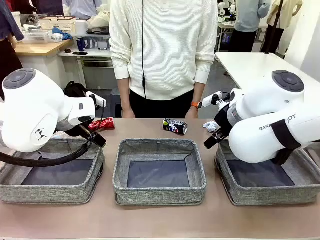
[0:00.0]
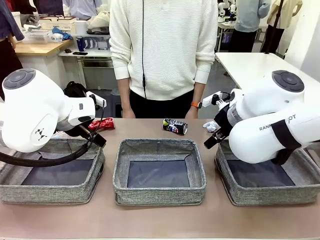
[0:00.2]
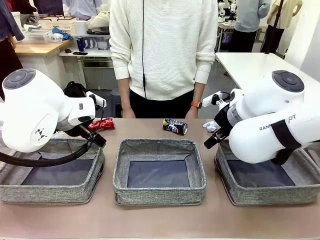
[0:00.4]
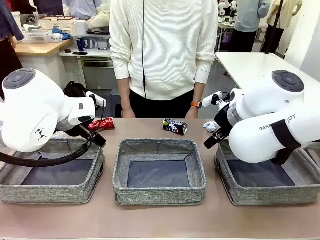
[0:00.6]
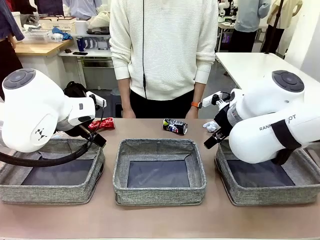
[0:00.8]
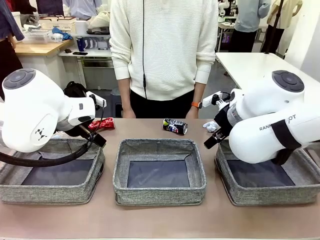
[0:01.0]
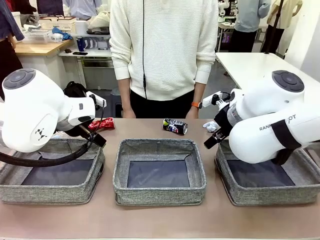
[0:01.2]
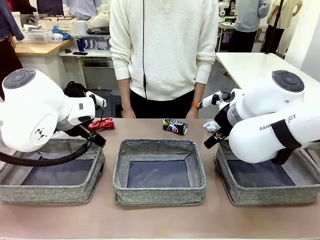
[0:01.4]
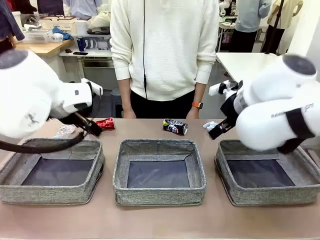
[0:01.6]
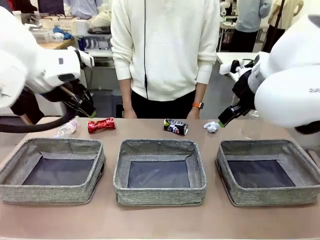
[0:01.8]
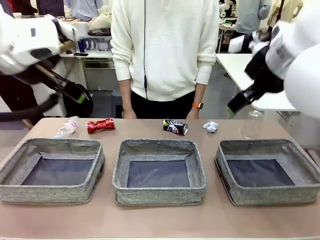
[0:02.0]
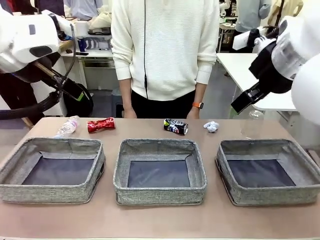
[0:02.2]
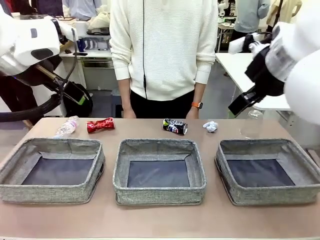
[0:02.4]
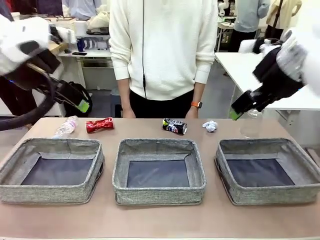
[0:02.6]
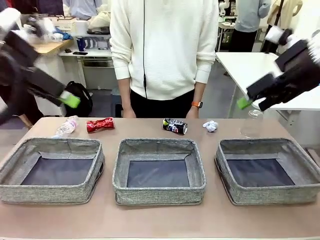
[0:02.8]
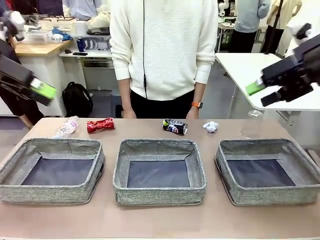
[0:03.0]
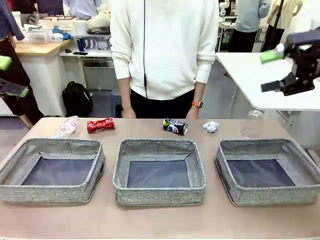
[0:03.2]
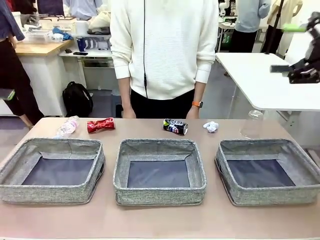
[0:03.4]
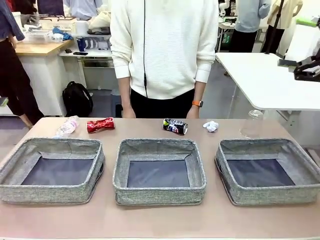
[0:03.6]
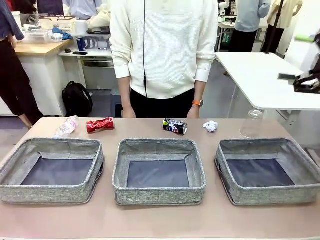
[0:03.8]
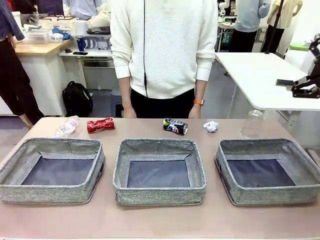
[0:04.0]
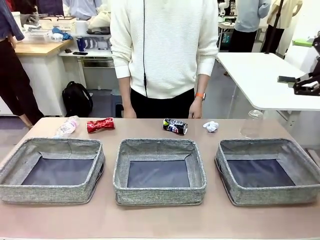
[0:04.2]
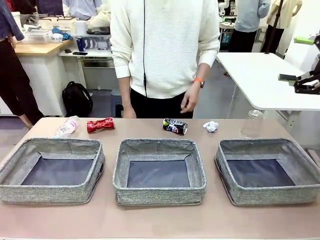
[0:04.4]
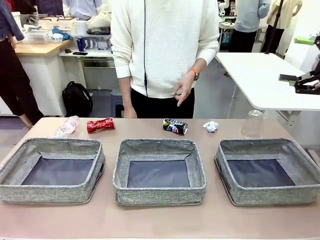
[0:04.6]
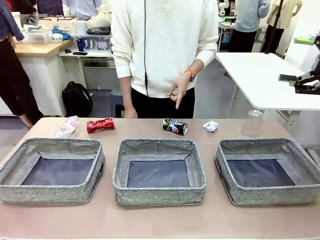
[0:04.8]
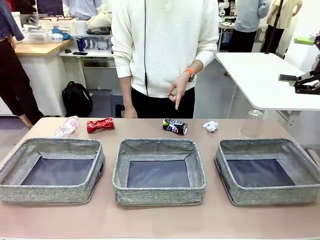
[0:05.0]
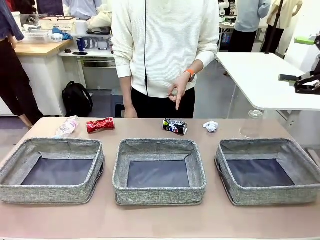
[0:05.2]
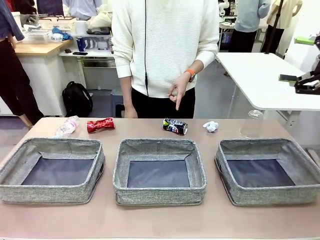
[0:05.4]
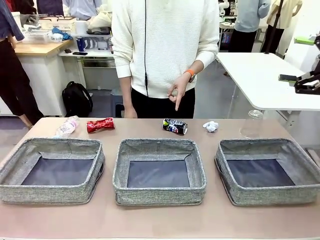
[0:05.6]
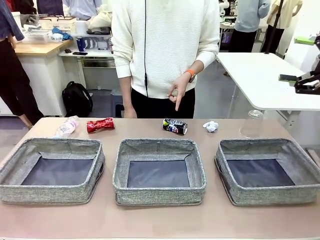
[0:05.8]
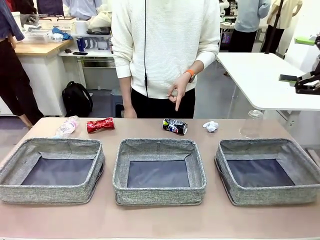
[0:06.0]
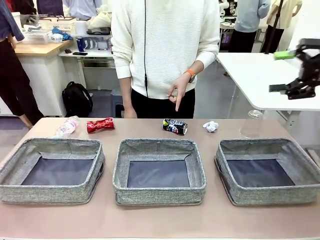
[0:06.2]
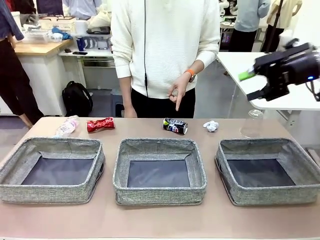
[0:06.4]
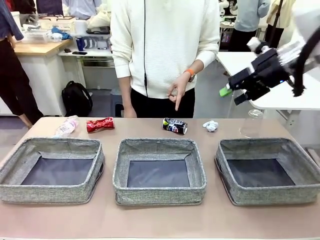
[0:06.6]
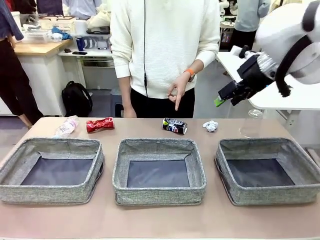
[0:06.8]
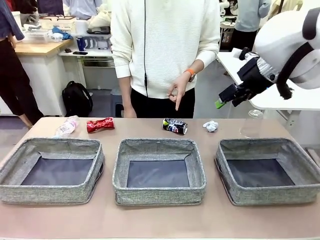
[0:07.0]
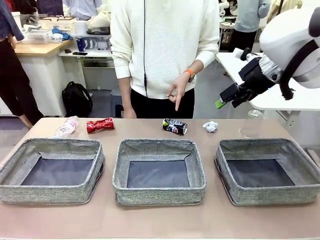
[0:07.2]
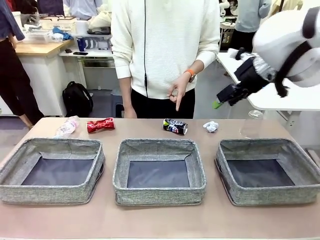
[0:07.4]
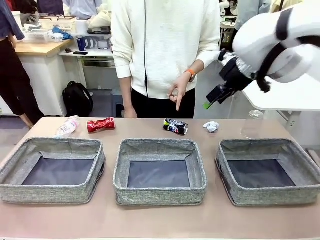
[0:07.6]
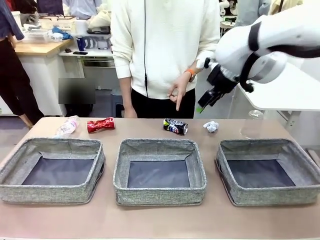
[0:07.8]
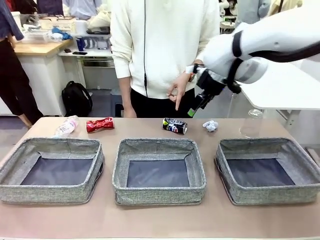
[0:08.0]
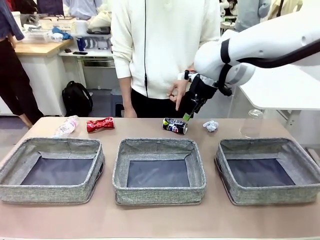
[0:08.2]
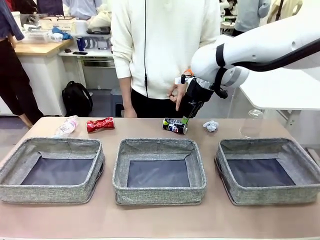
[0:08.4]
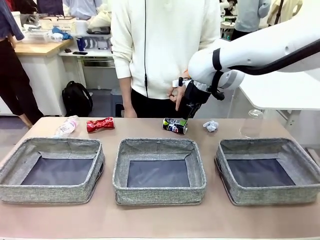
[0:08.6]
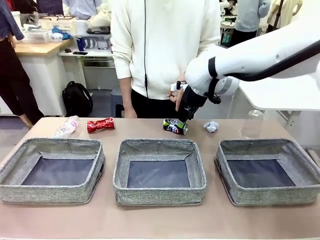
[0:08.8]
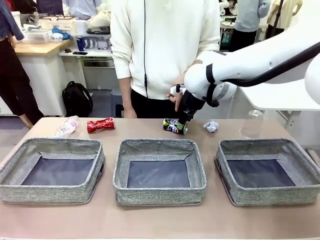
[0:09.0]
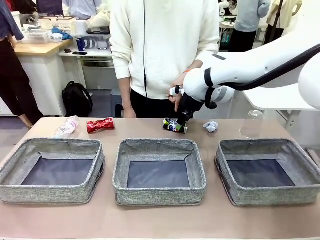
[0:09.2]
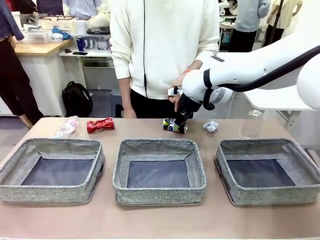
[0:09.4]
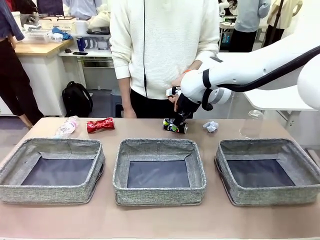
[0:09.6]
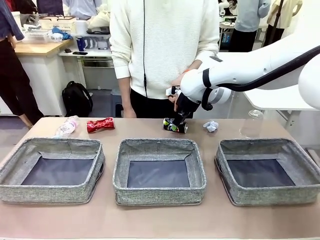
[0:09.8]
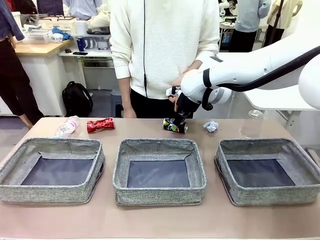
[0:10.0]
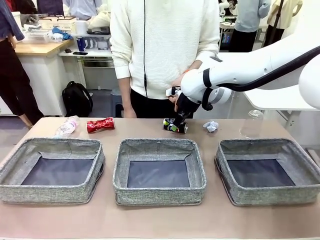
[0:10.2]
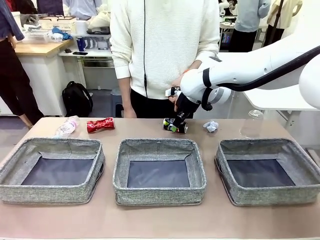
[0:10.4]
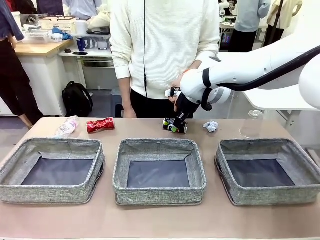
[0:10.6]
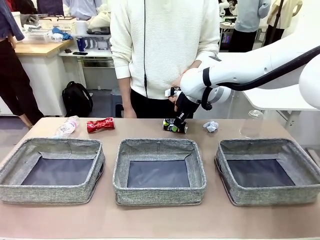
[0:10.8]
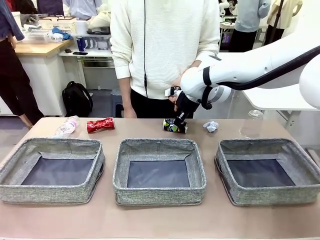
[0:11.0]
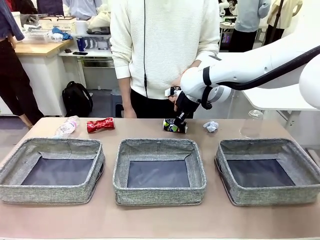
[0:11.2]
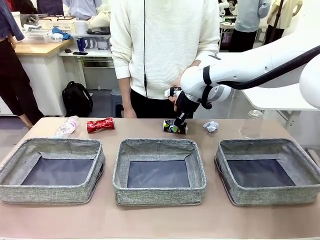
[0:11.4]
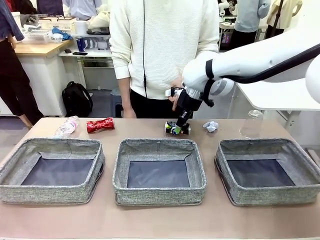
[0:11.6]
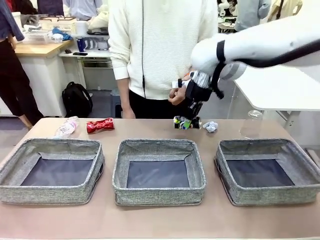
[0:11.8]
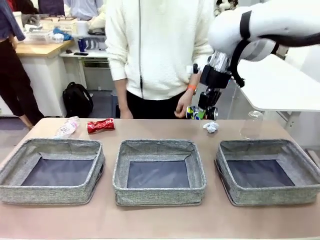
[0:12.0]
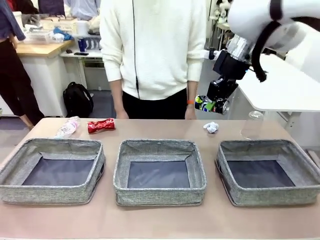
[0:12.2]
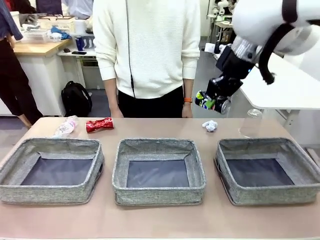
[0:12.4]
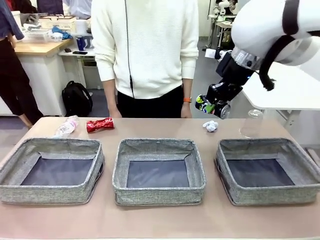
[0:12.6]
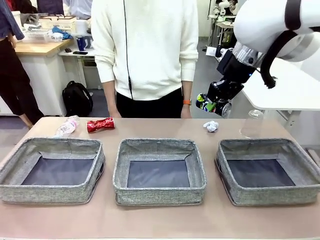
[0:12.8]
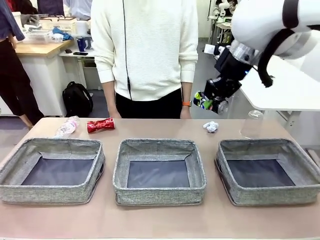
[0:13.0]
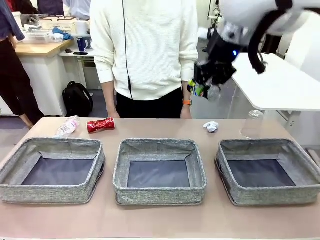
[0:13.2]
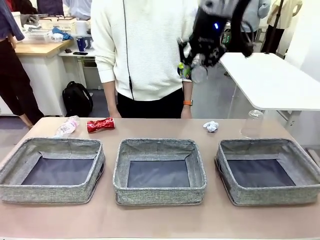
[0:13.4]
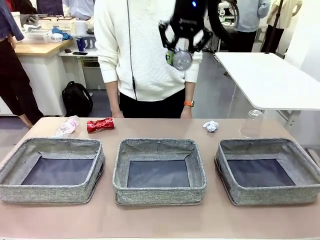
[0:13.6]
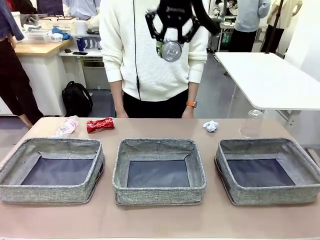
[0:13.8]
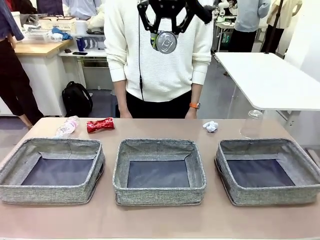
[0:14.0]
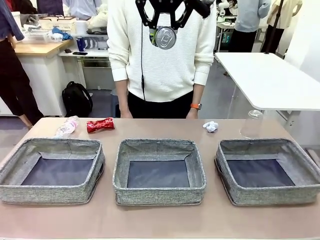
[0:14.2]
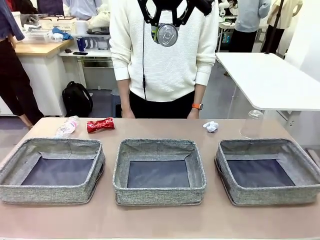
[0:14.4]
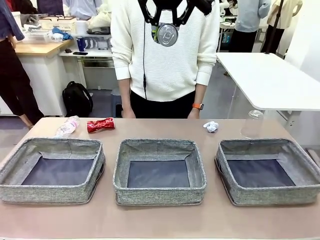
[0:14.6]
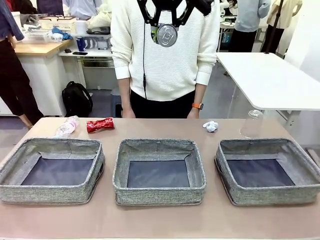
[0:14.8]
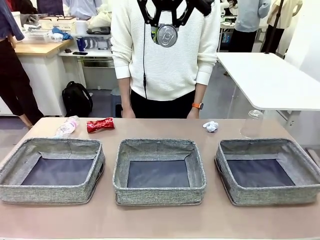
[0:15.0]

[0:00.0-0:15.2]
Task: Sort the waste into the appropriate baskets.
Robot: Pick up the waste item pointed out by the person.
Person: Points to one piece of trash on the table.

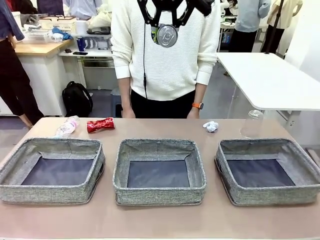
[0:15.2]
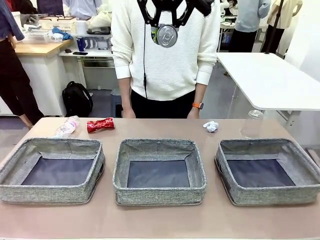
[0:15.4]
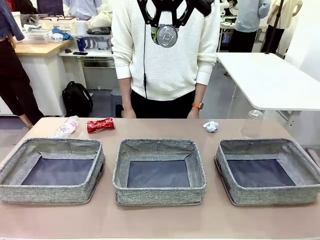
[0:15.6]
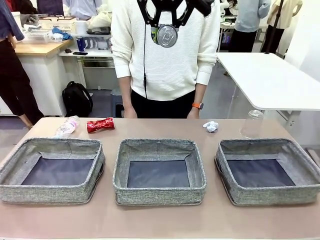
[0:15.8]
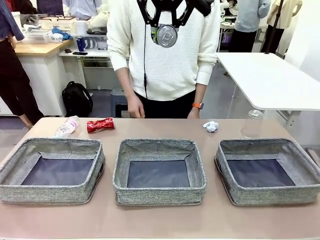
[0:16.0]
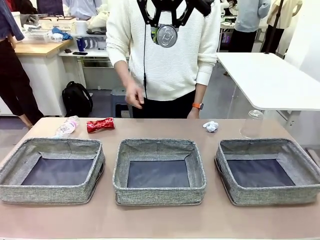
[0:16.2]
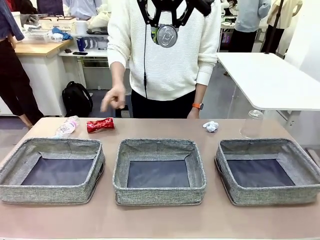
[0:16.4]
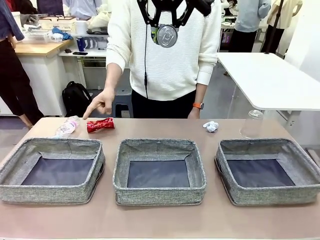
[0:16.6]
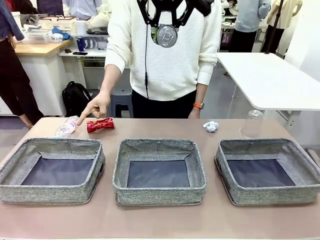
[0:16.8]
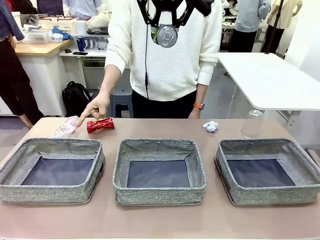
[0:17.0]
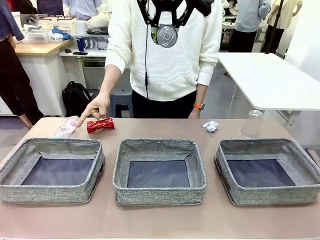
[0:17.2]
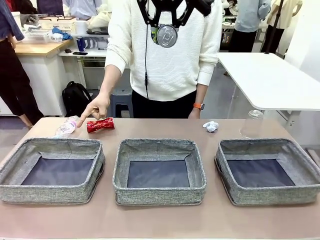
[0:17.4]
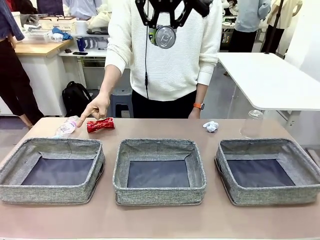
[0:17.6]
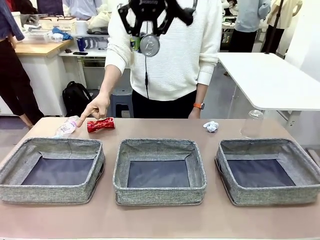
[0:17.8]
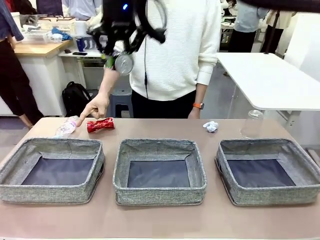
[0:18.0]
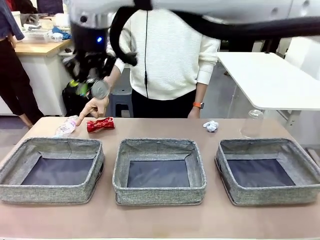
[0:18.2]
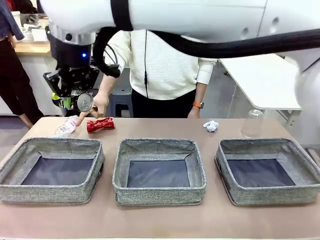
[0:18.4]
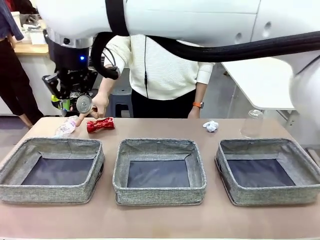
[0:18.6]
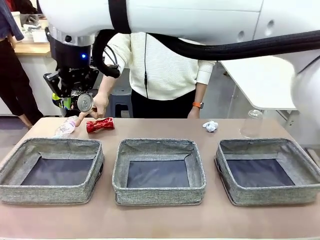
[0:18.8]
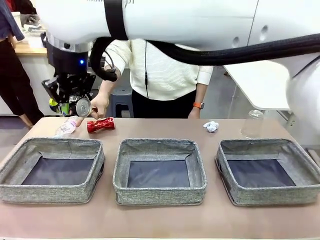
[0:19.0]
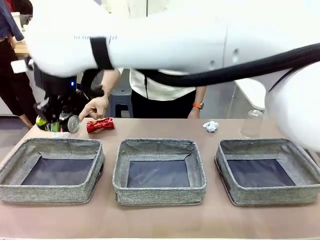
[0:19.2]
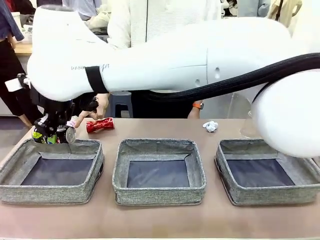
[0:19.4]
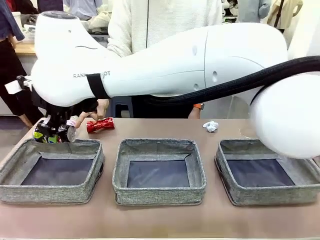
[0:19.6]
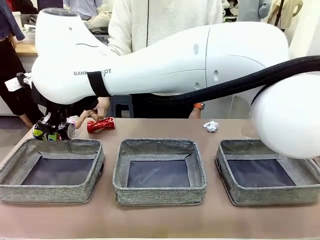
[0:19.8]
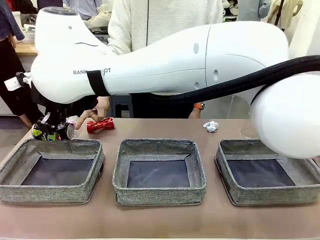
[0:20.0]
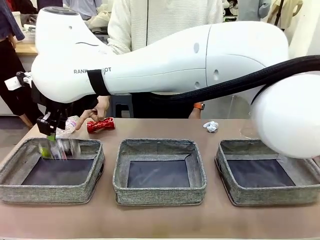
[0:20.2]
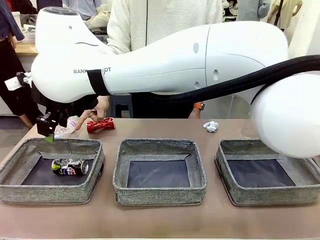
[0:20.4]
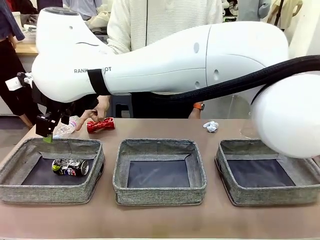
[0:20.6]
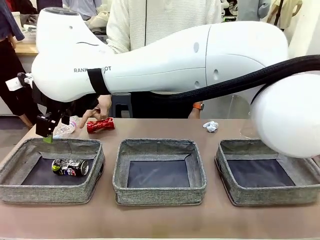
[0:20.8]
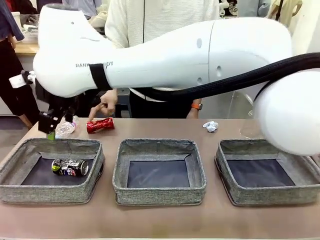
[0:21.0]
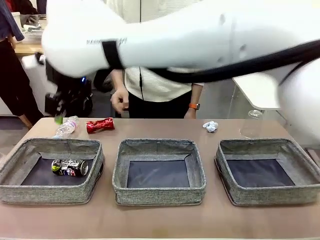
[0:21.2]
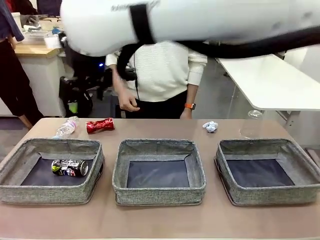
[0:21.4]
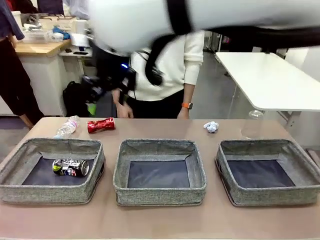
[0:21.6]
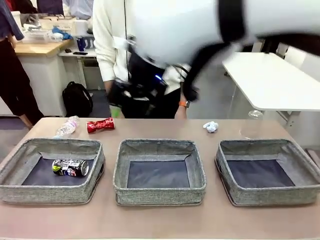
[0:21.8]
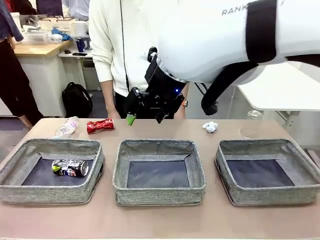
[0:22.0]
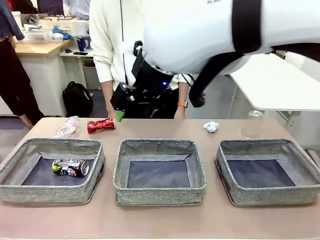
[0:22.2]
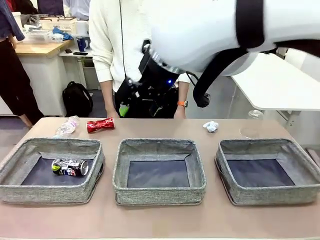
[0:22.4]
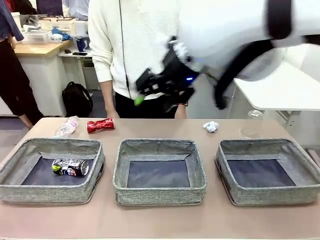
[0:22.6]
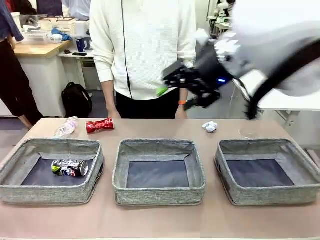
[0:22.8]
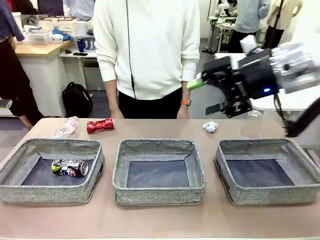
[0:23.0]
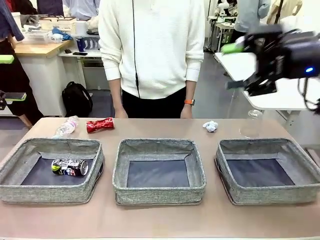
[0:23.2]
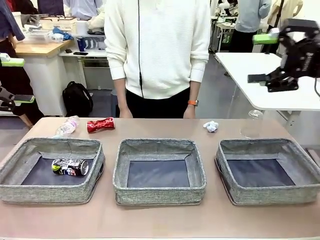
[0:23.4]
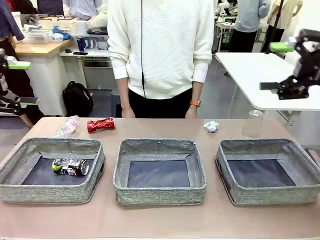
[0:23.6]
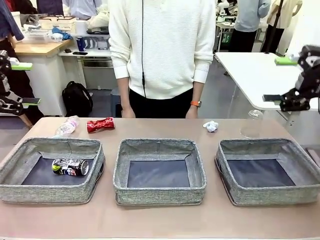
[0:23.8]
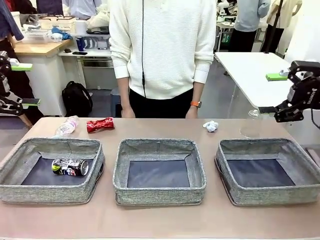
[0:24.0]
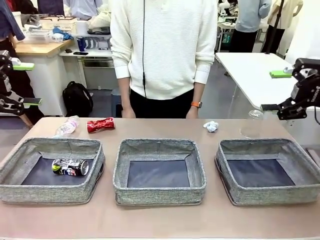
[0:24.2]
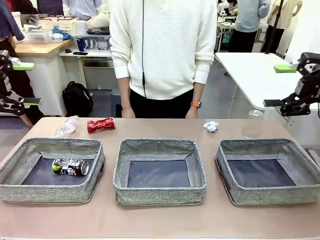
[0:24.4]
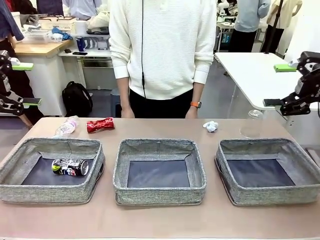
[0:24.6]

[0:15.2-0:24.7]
Robot: Place the picked waste into the Fabric basket indicated by the person.
Person: Instructs the robot to place the picked-up trash into the appropriate organizing basket.
